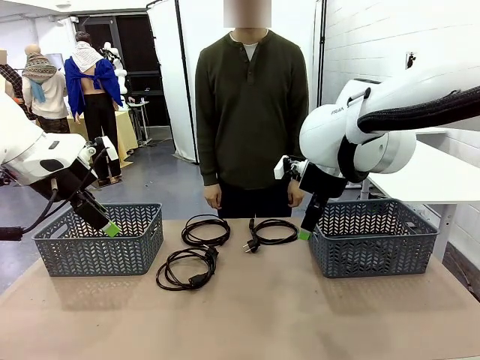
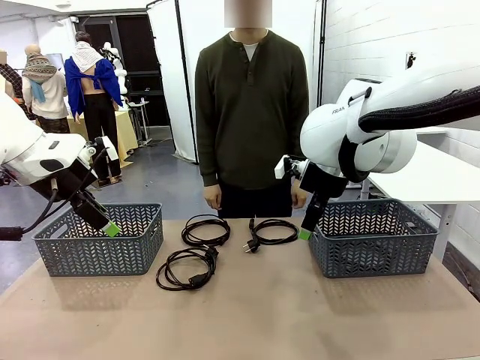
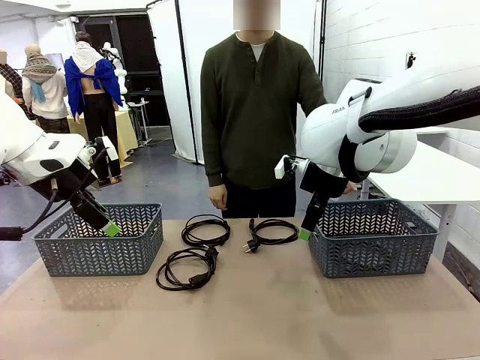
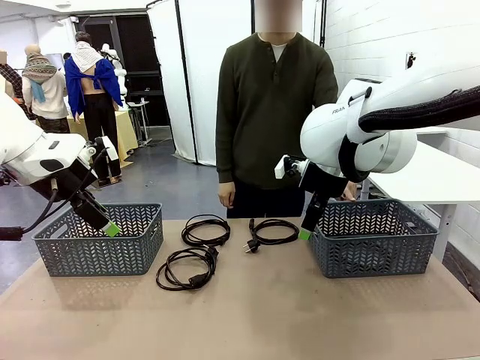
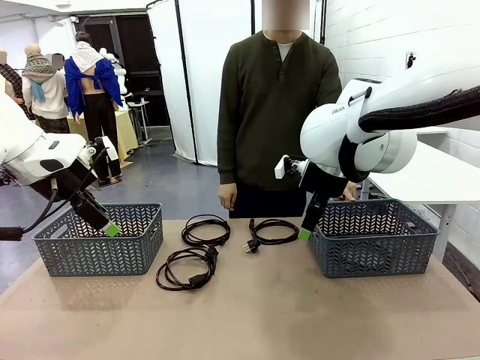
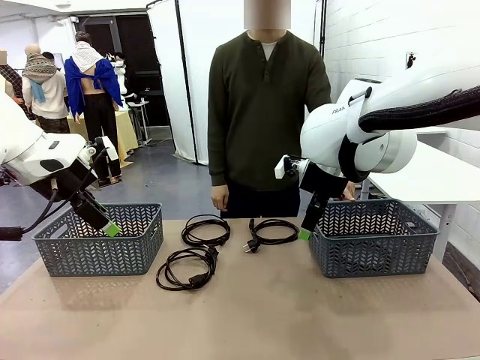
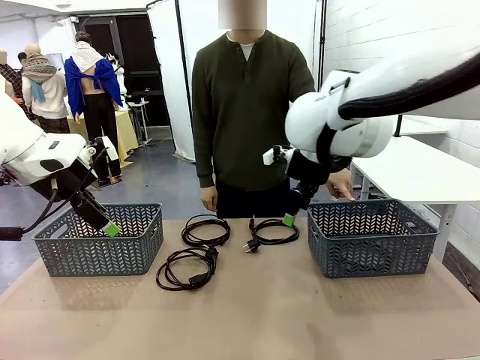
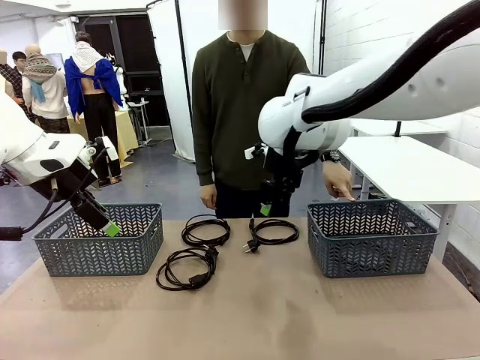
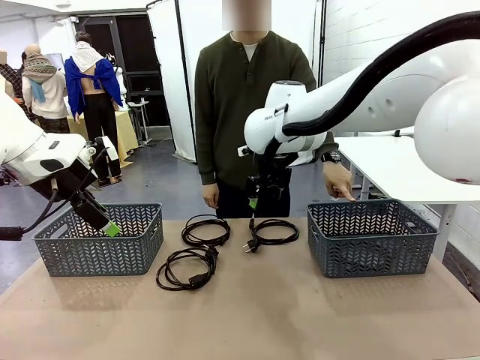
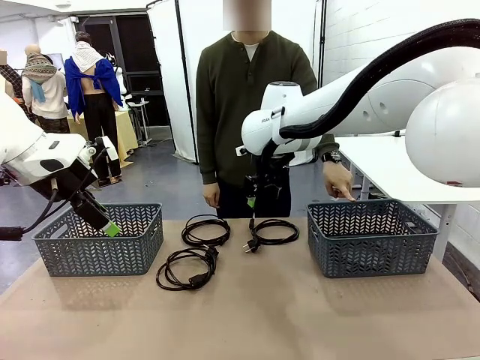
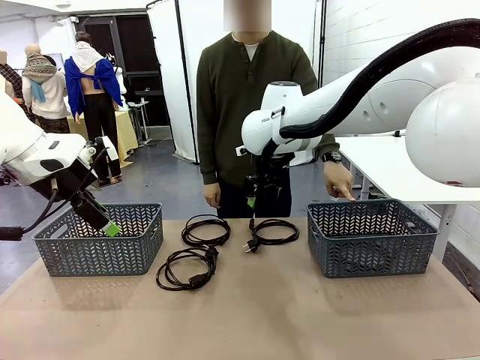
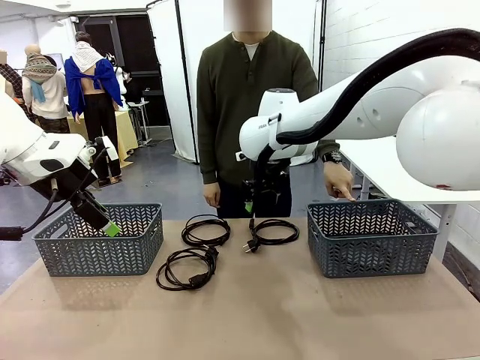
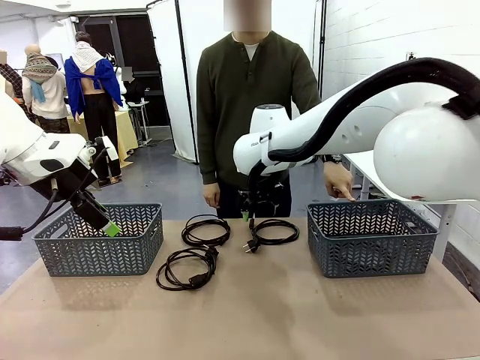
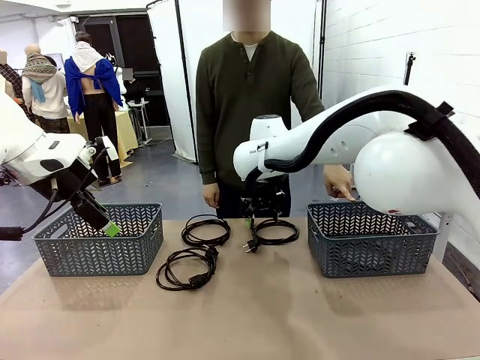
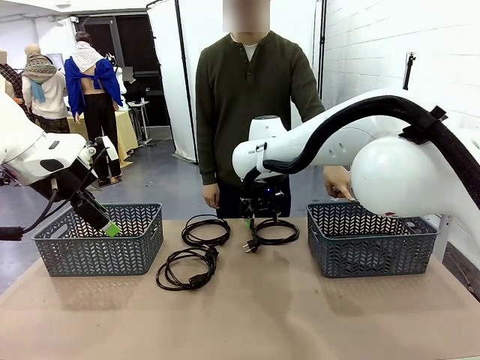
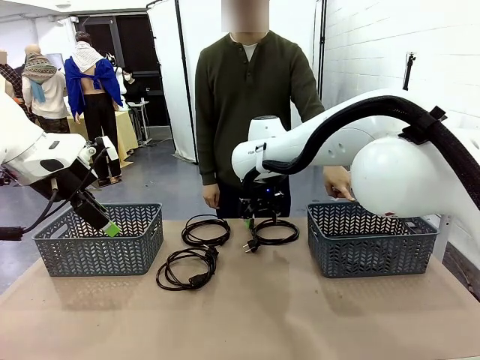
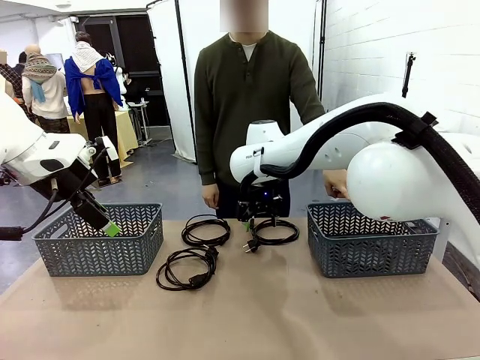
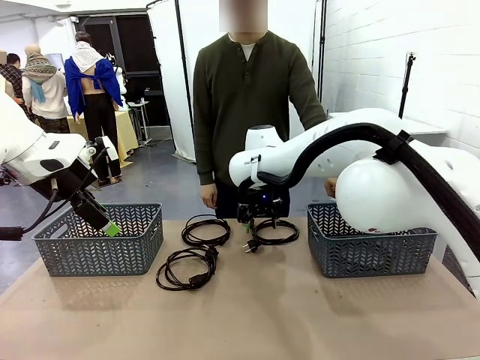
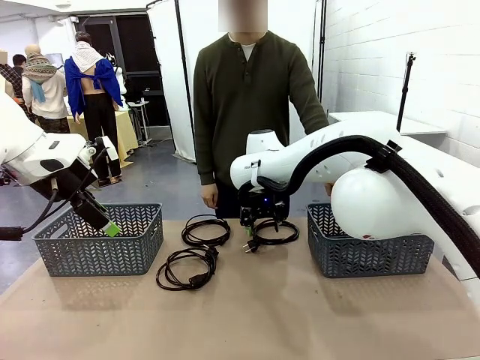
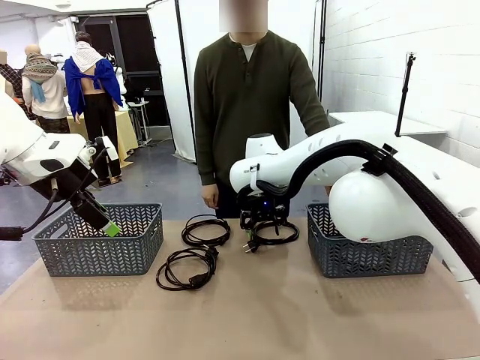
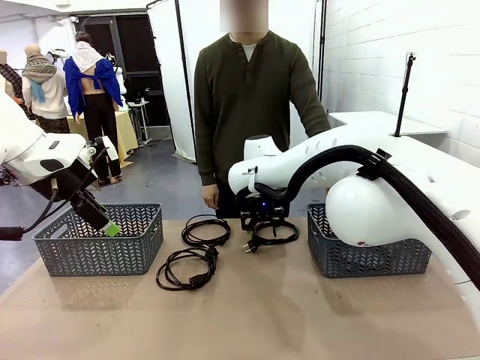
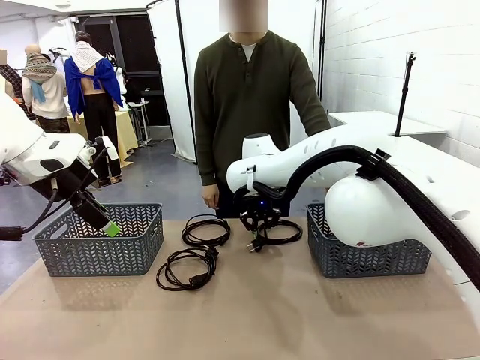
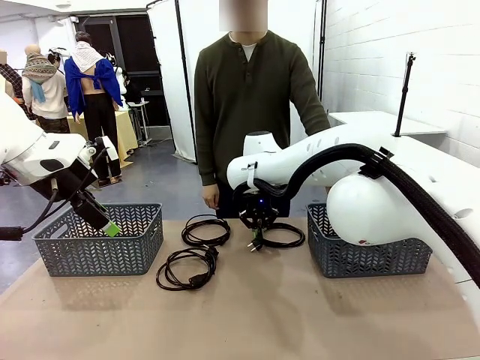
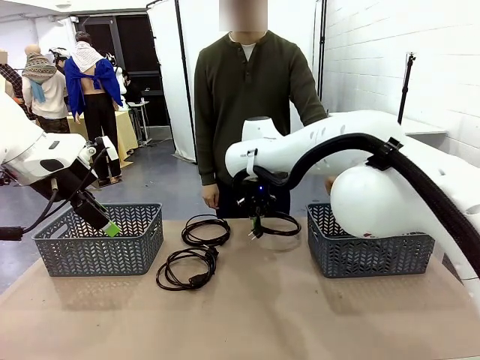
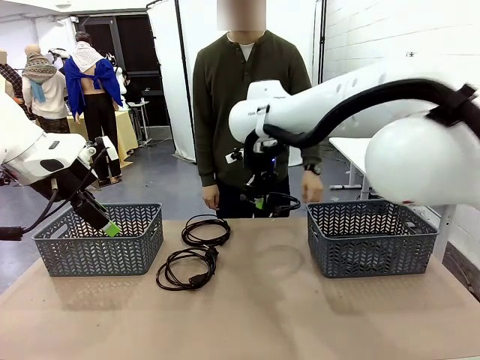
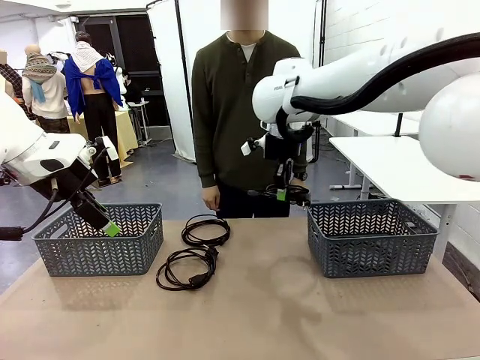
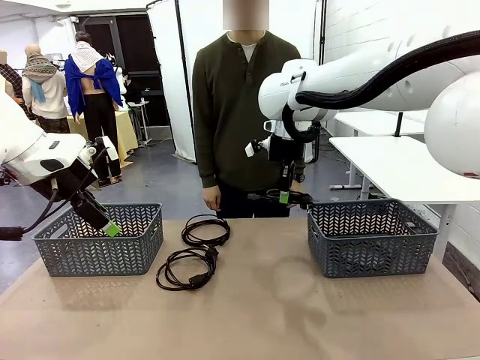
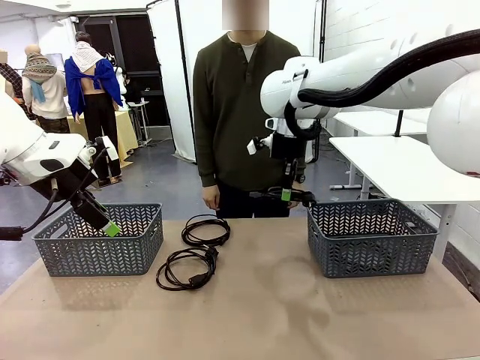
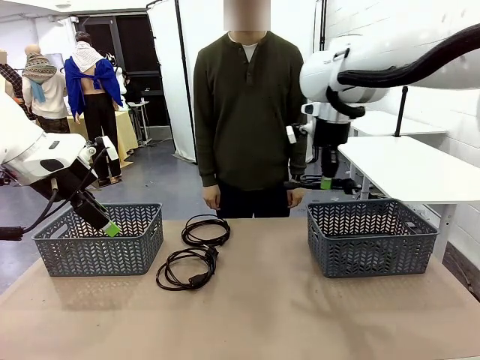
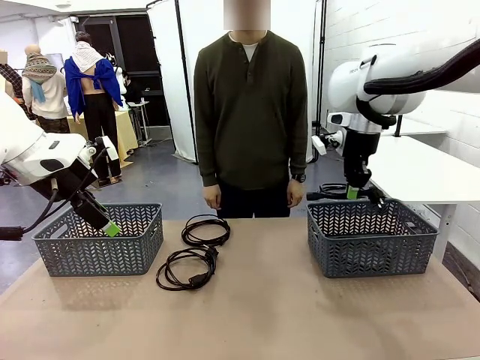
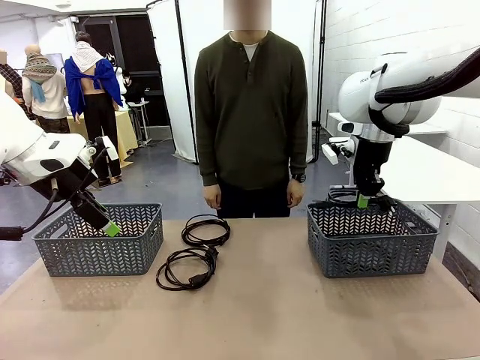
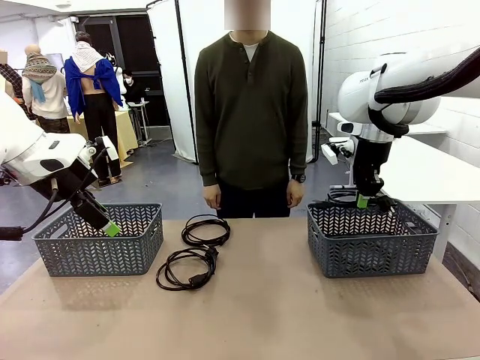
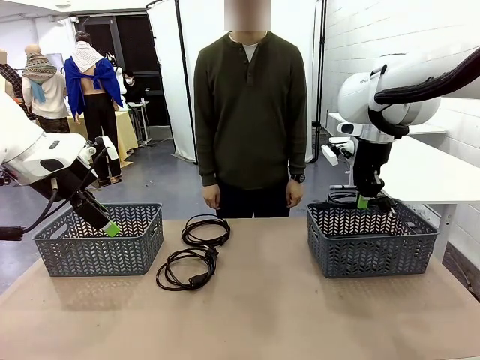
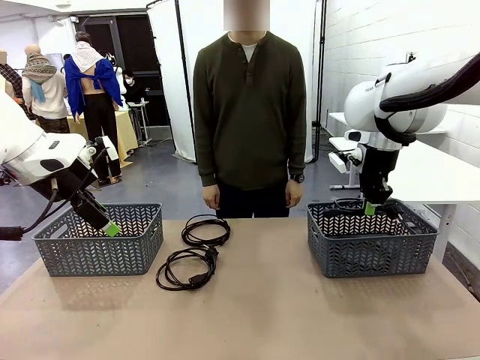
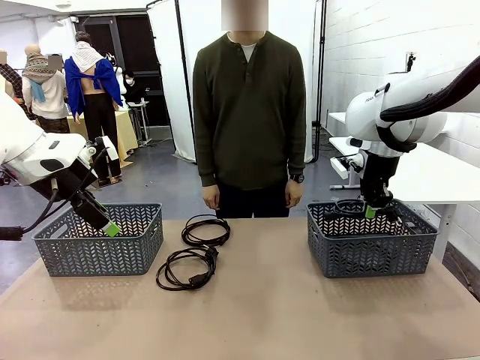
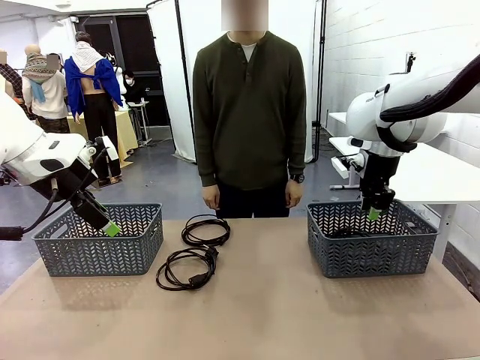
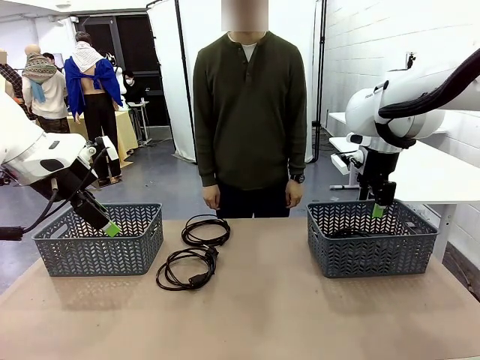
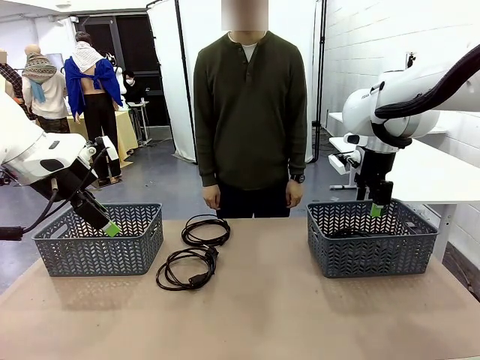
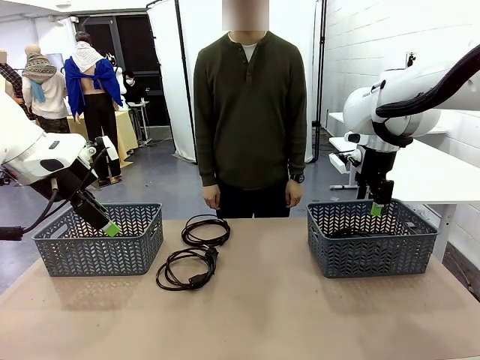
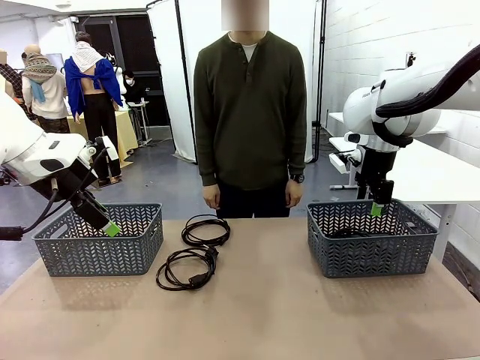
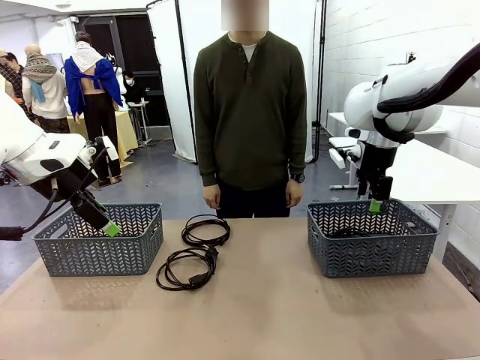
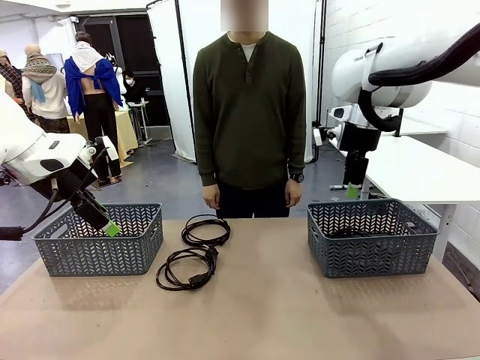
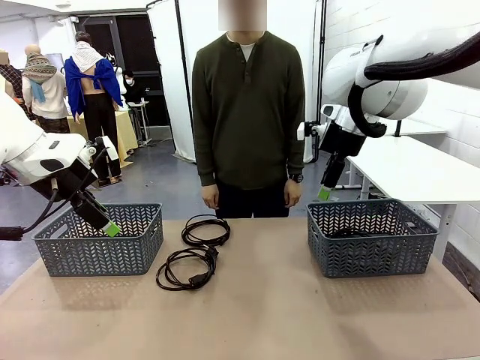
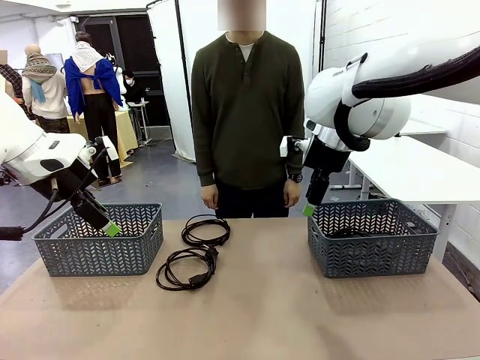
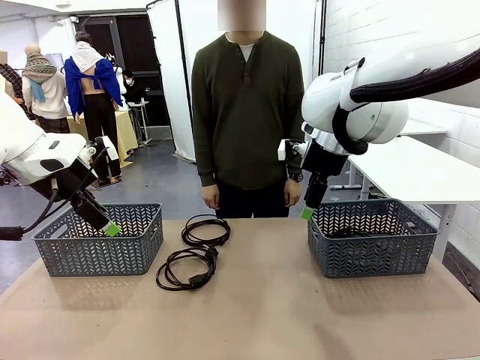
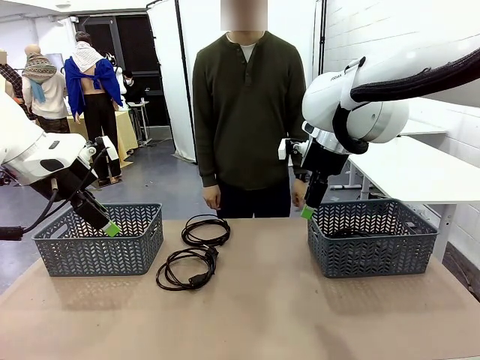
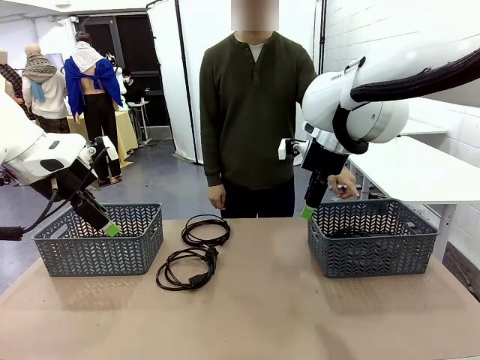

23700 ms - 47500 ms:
Task: Organize the cables according to human instructions.
Robot: Pick up a bundle of cables and place it in the basket indicated by the human.
